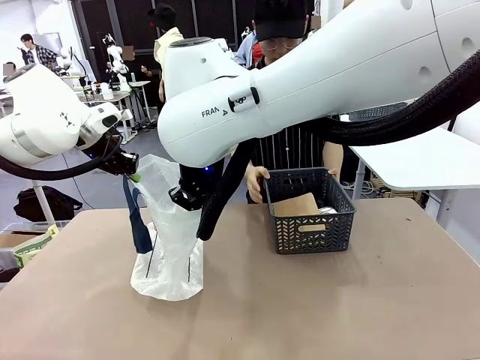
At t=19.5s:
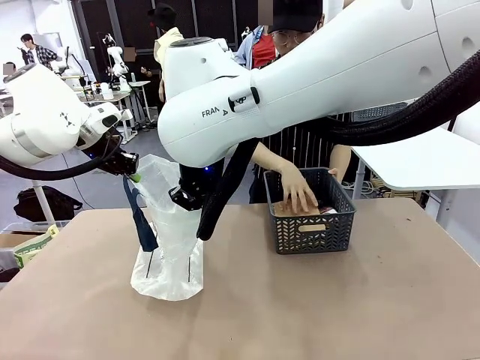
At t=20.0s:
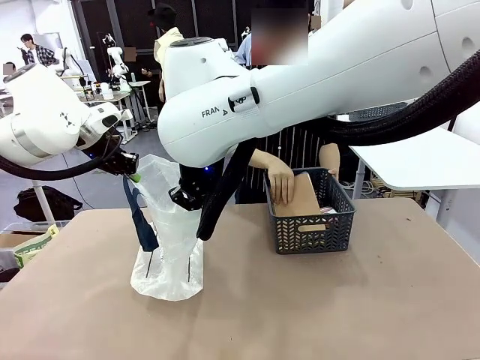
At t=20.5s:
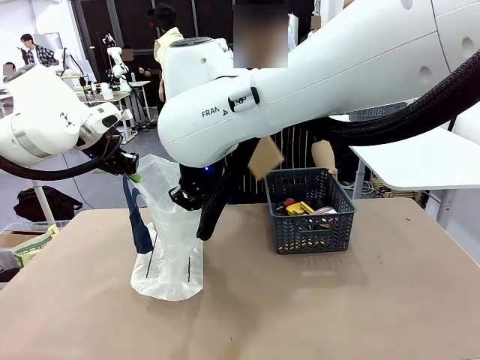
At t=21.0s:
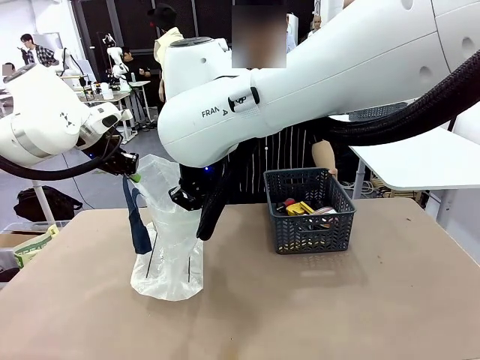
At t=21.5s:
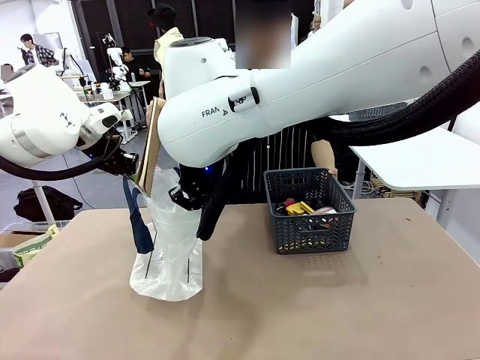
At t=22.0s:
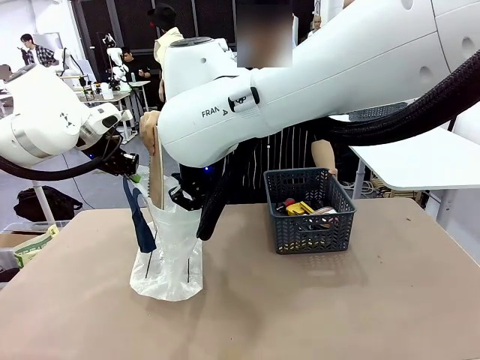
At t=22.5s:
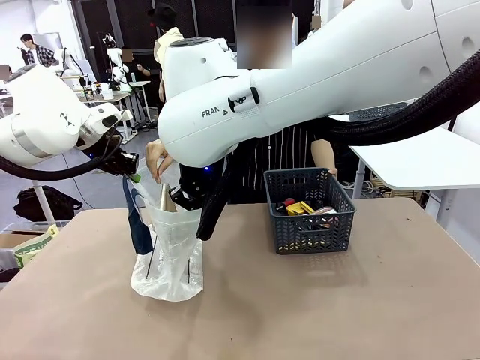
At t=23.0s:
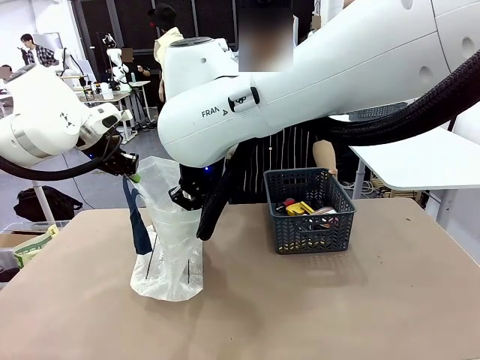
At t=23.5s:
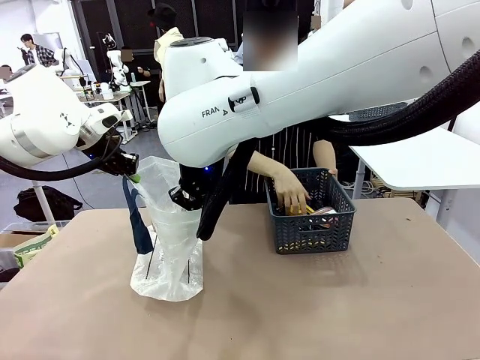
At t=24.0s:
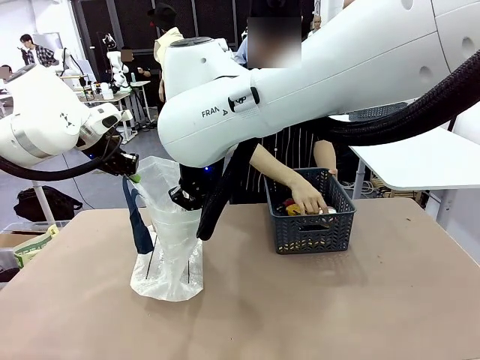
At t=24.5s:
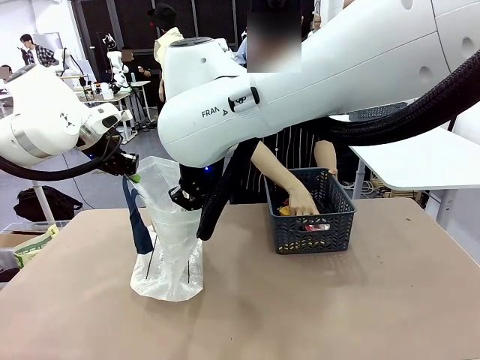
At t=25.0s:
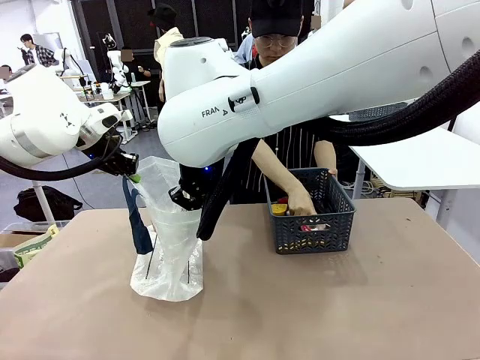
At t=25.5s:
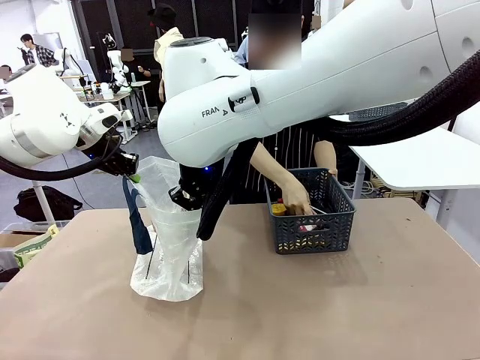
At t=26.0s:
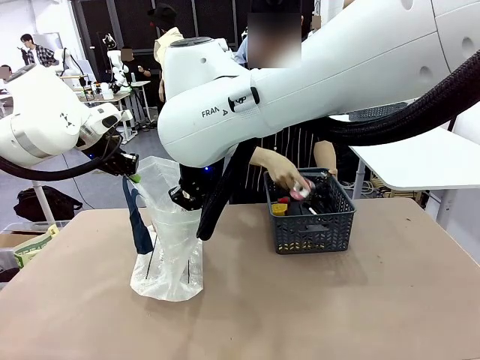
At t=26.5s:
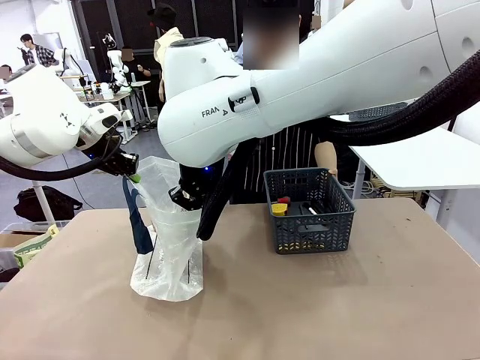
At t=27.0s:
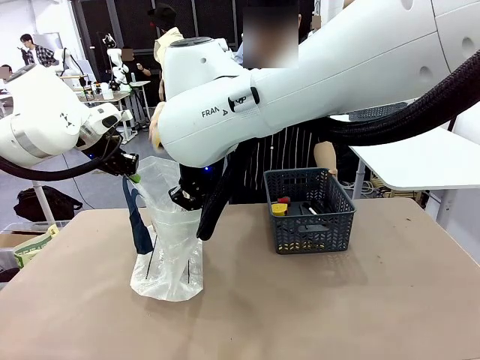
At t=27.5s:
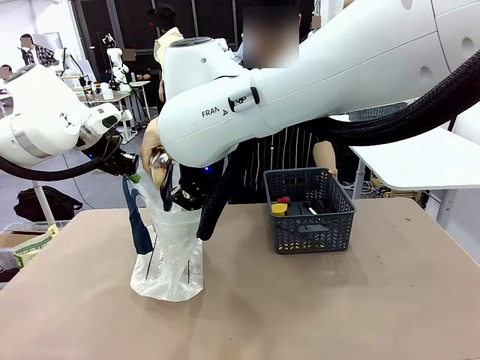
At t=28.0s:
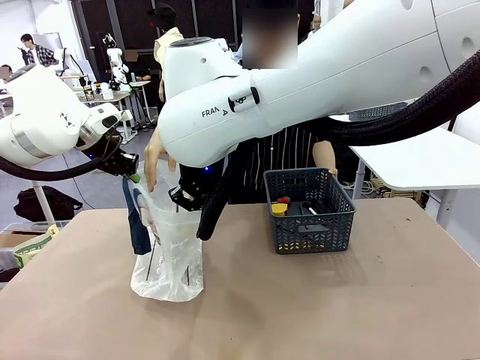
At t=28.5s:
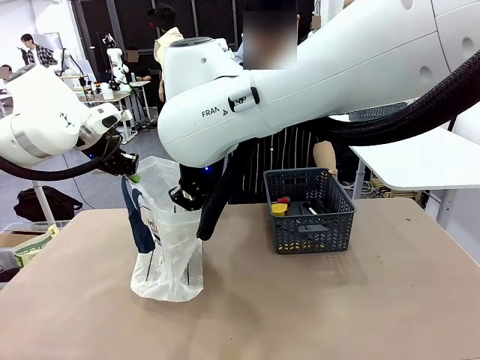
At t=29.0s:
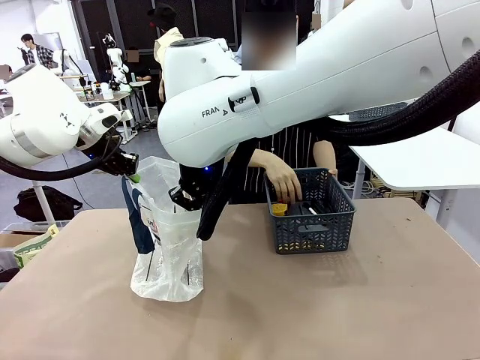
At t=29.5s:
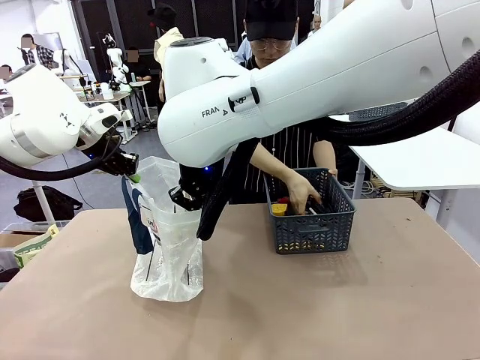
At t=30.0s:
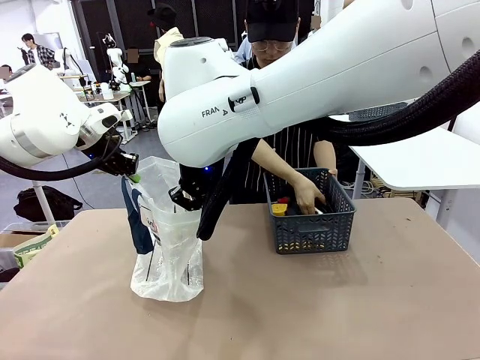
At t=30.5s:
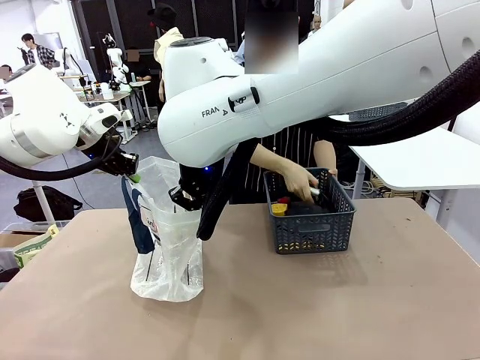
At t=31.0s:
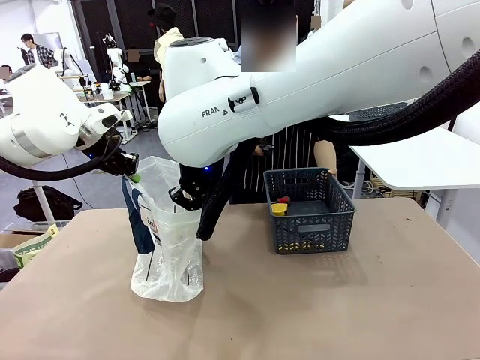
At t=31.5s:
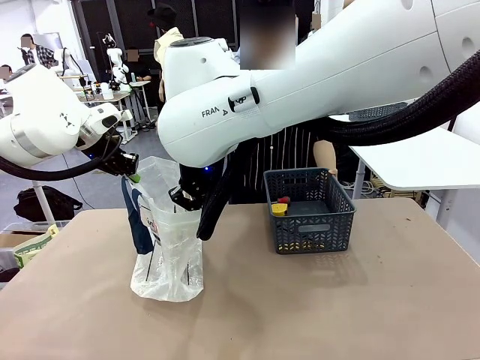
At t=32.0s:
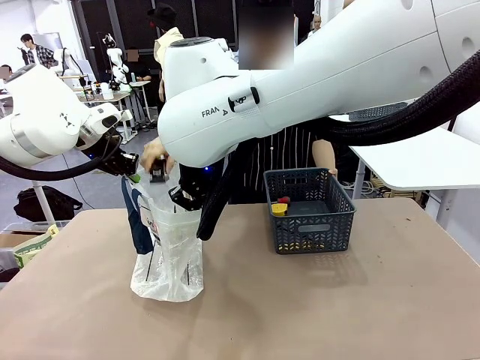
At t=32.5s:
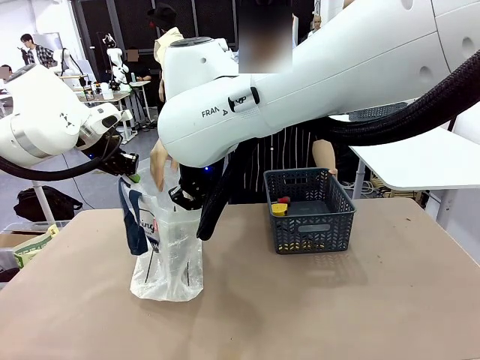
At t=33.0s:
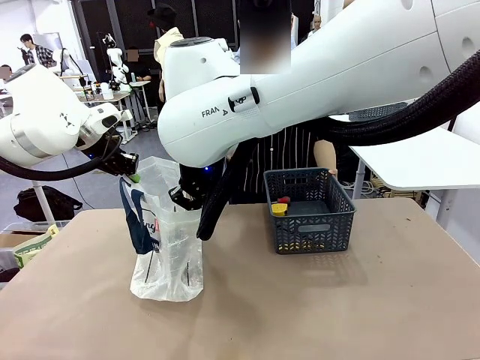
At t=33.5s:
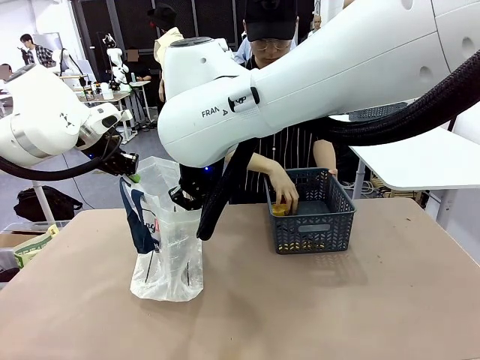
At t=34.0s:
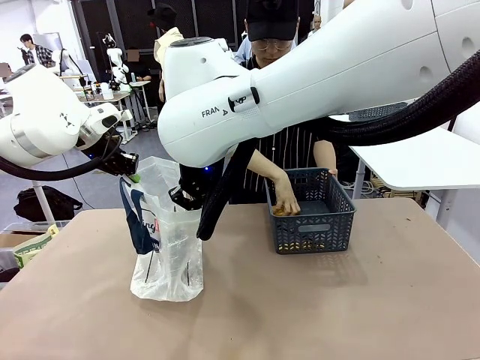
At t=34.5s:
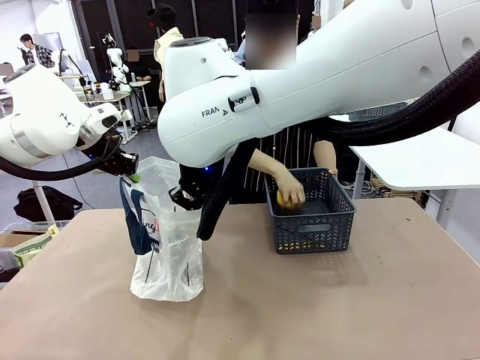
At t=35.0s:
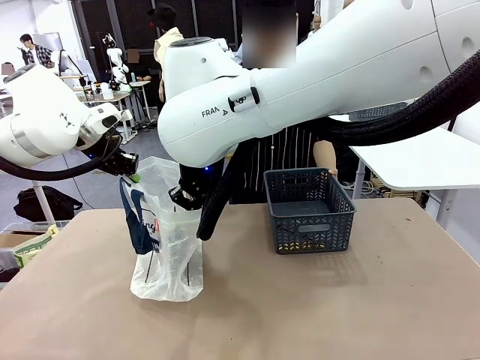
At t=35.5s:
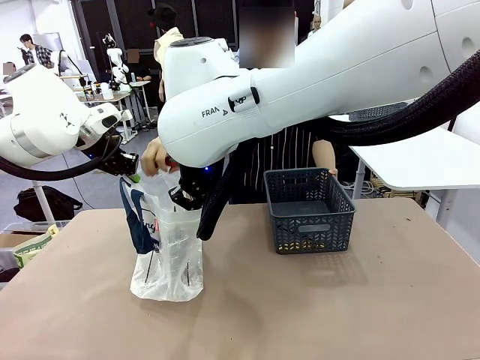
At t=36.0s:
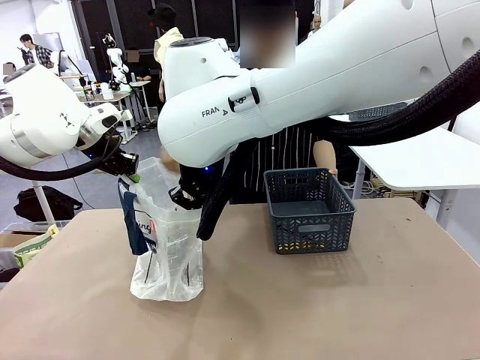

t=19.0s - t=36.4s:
Task: Transfer purchased items from the store into the shopping bag.
Robot: Move the Reusable shopping bag to the right side of the table.
Person: Pick up the basket with the items out and place it on the right side of the human table.
